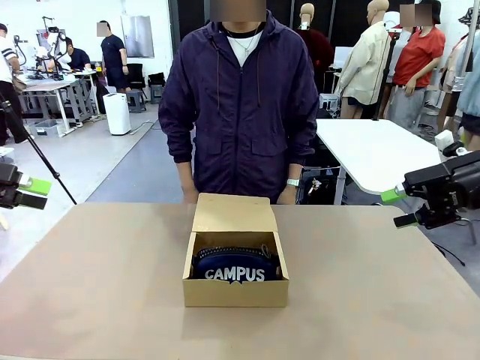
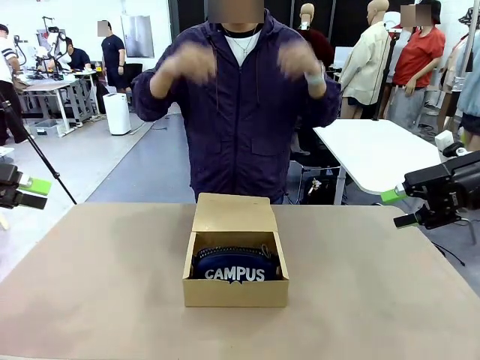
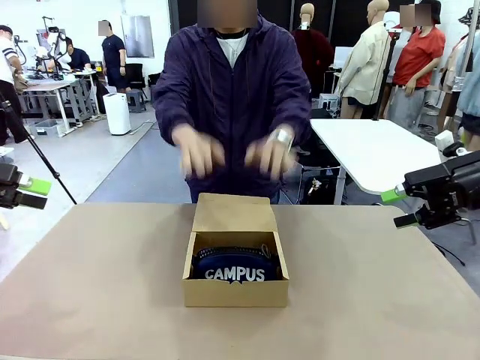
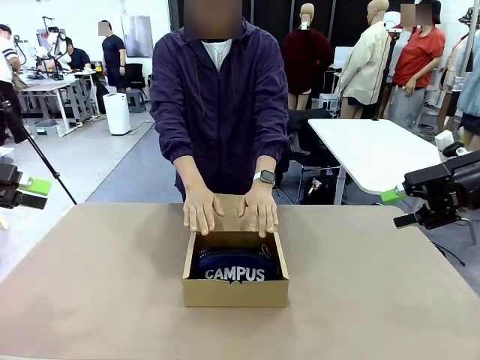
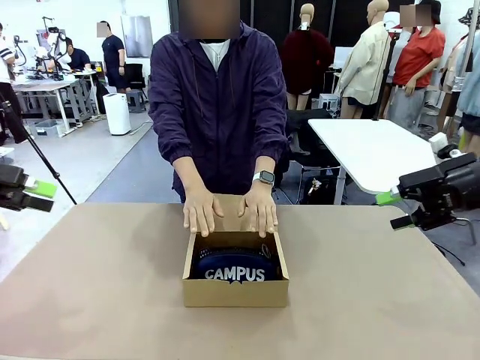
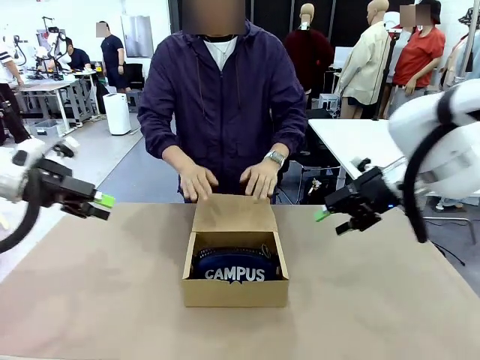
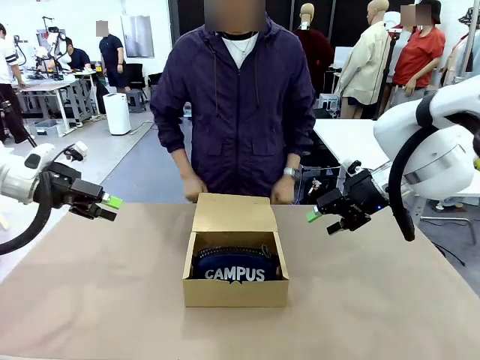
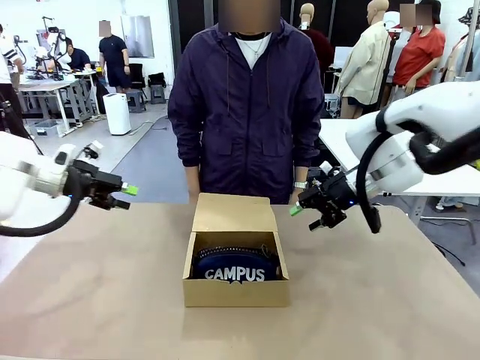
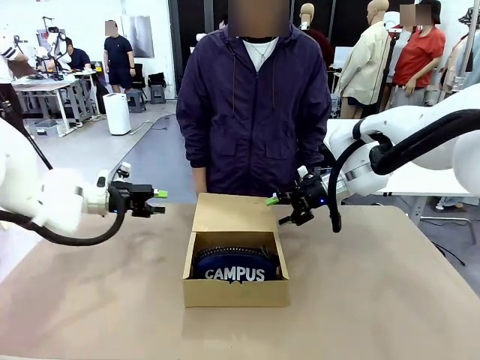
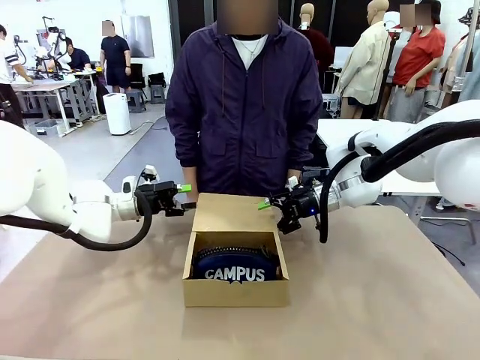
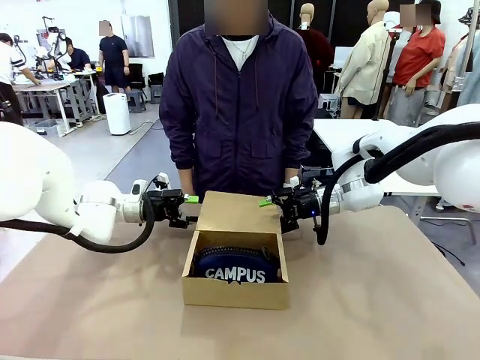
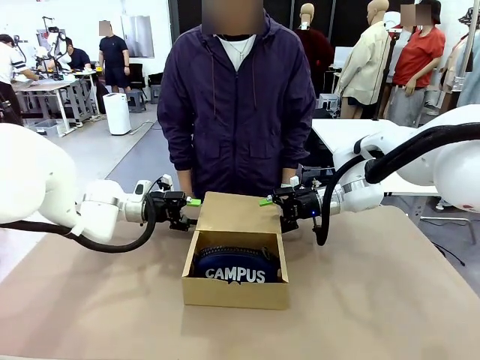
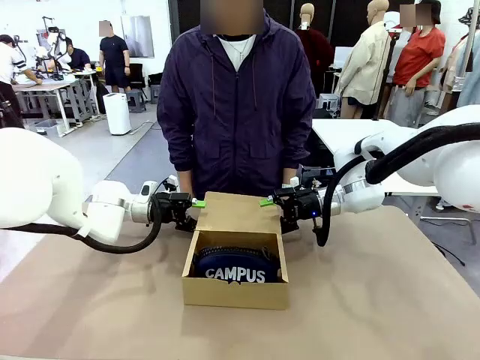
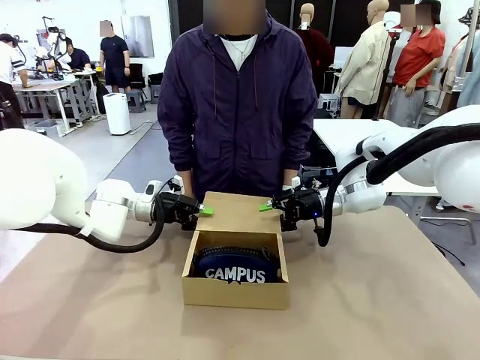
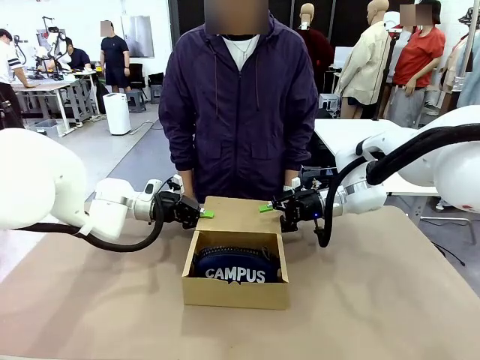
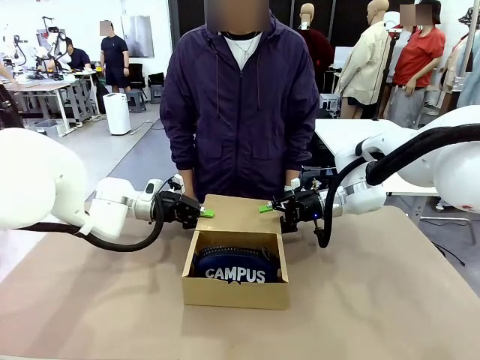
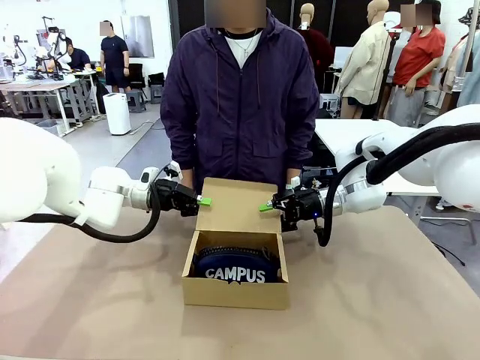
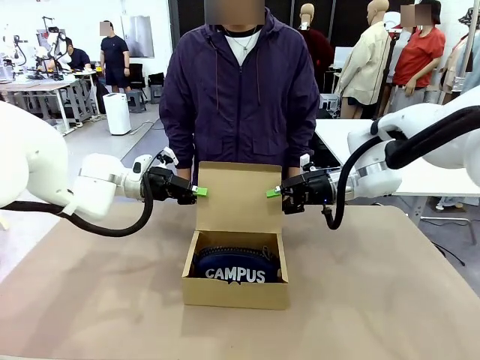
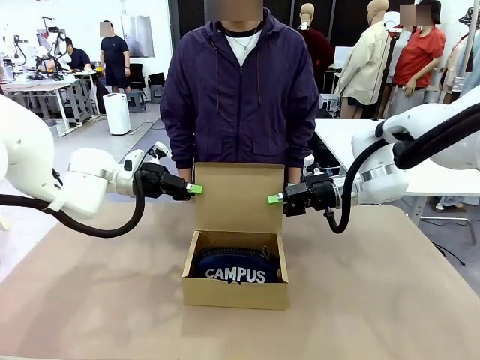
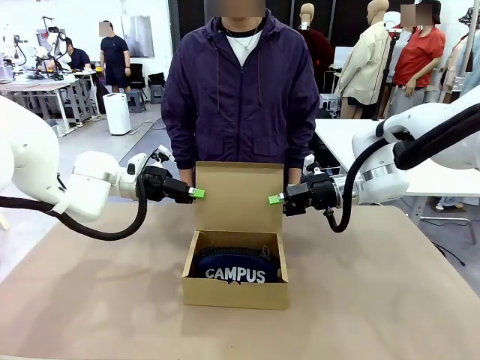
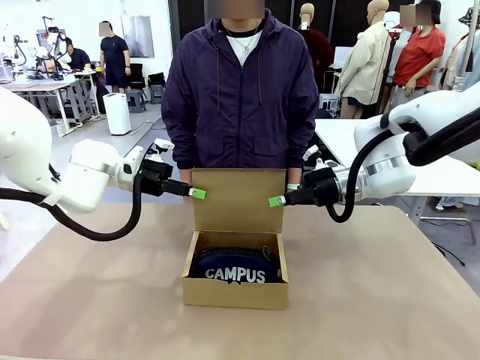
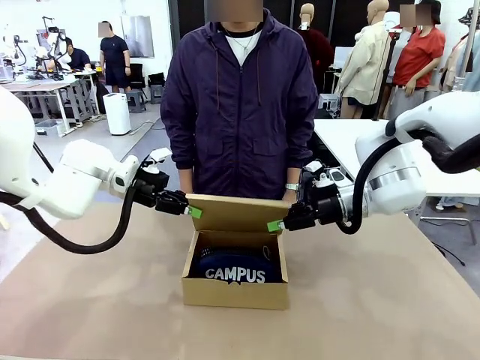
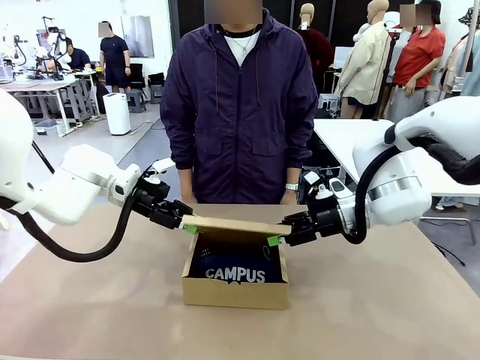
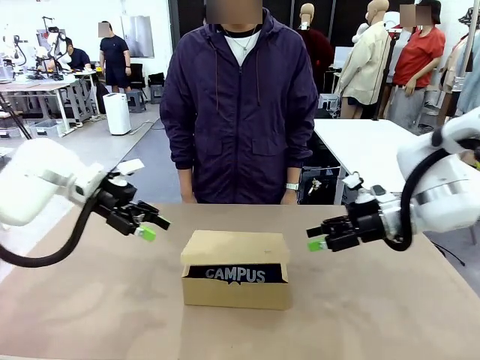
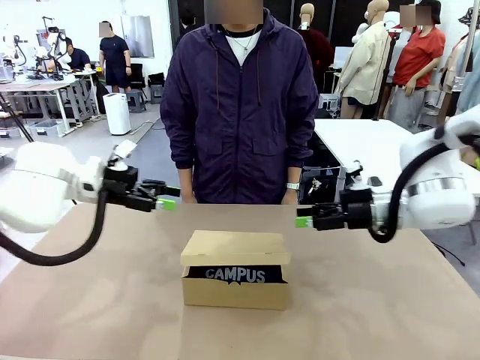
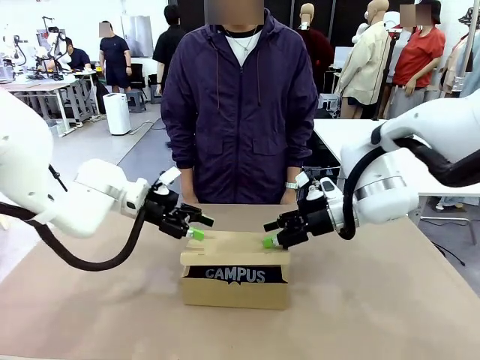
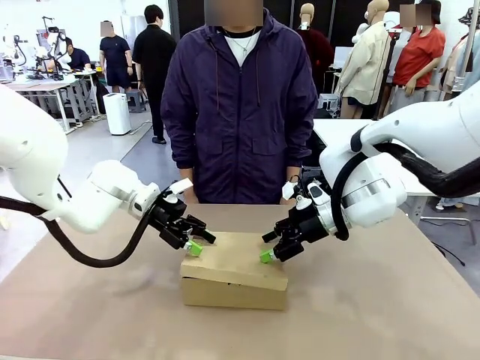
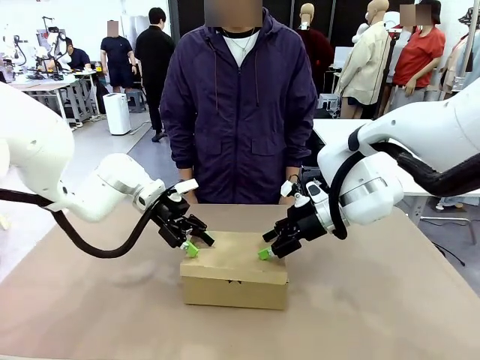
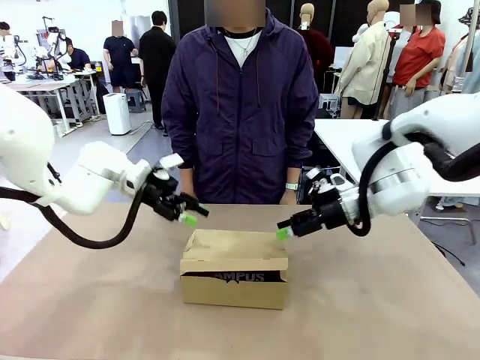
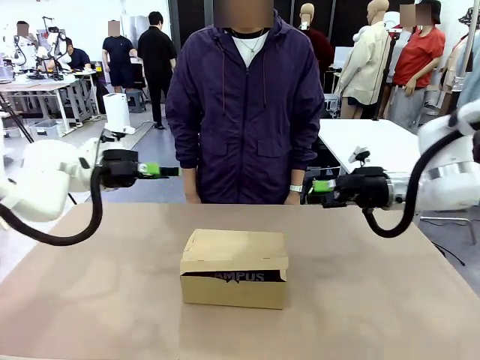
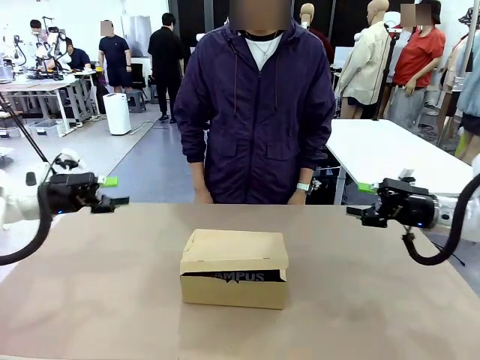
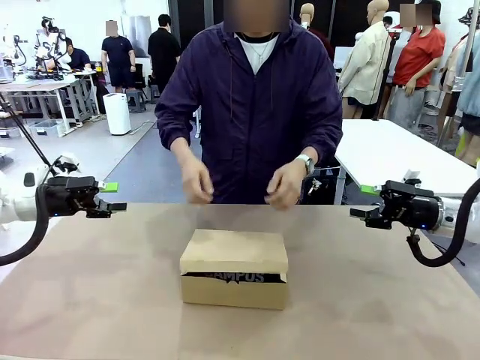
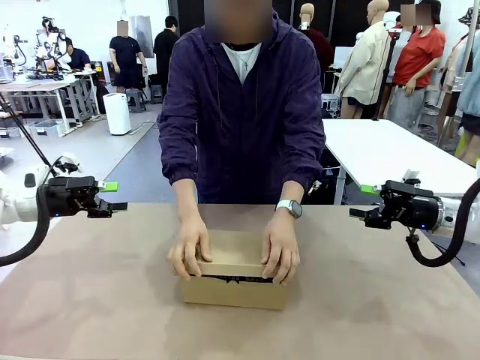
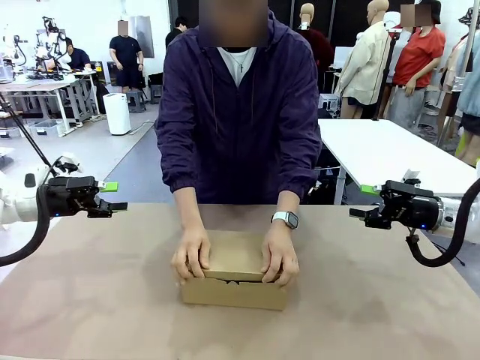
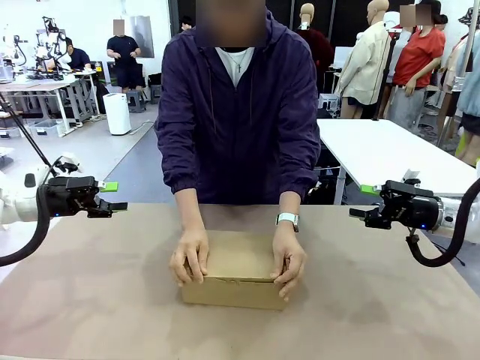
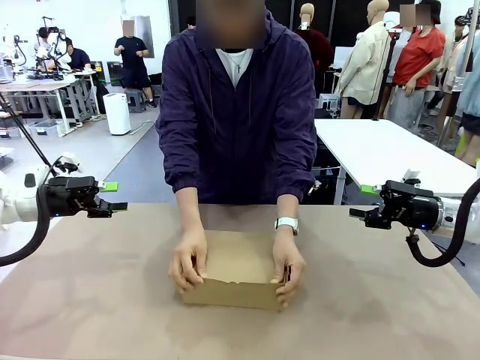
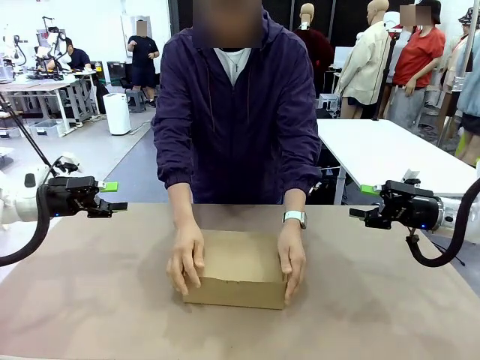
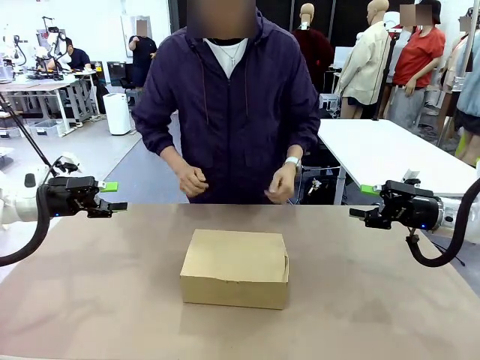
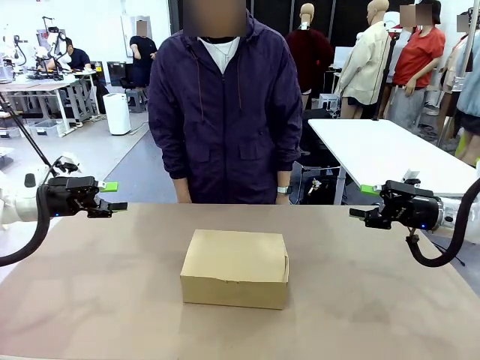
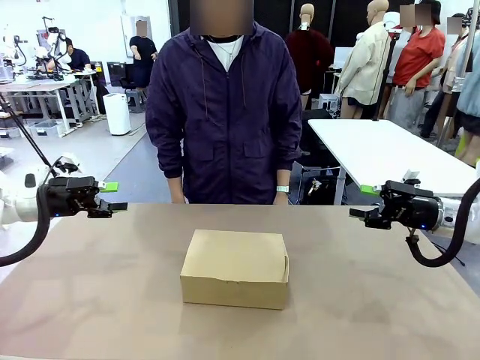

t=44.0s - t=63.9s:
Task: Pack the items into the box.
Robot: Close the Mailer Box.
Person: Turn the box and lock it.
